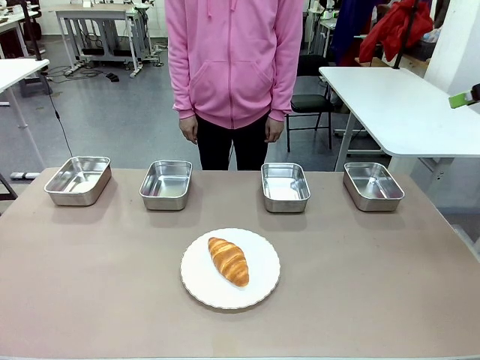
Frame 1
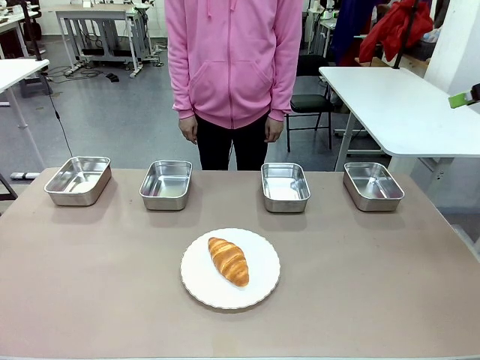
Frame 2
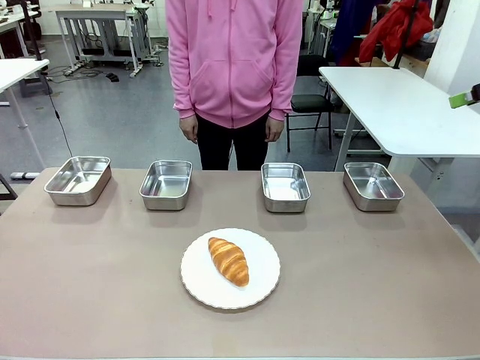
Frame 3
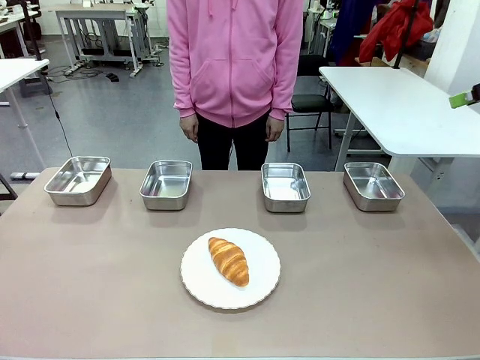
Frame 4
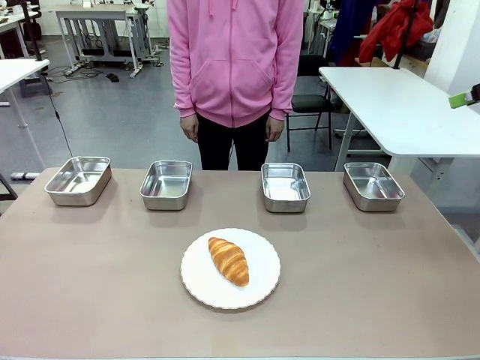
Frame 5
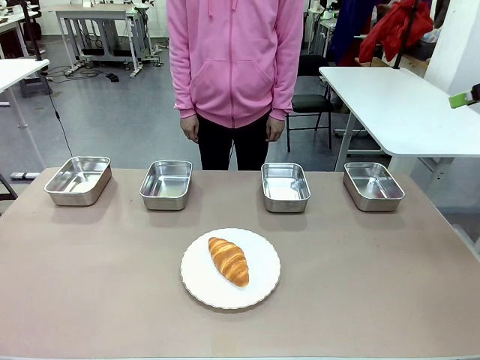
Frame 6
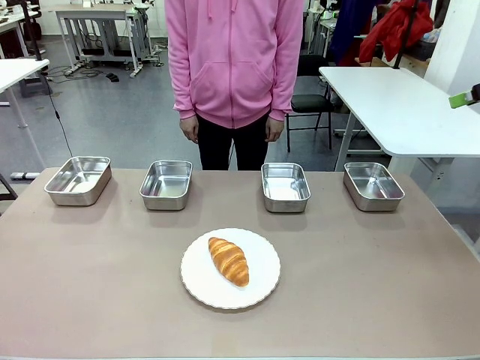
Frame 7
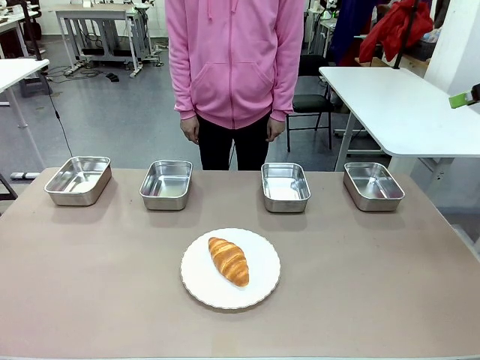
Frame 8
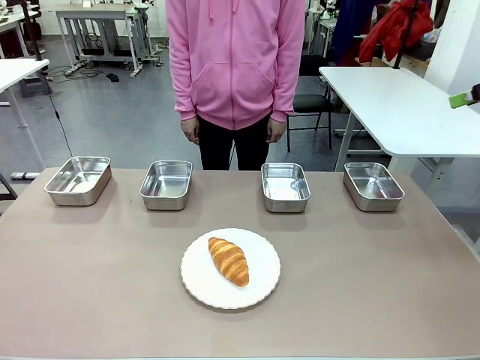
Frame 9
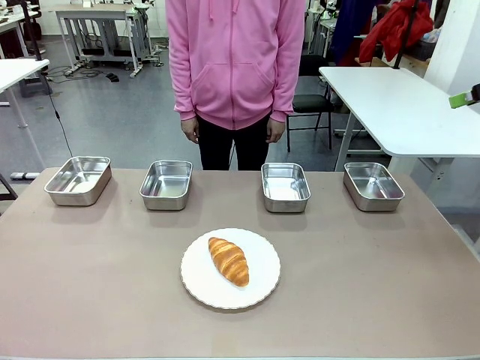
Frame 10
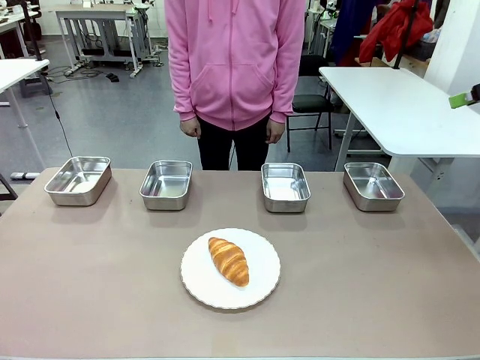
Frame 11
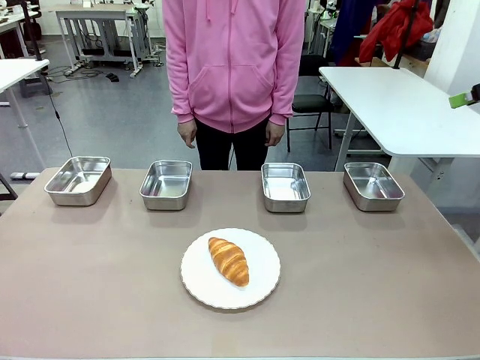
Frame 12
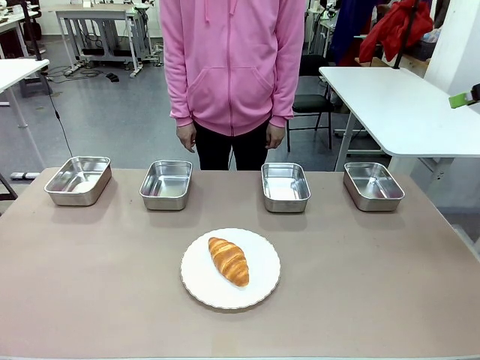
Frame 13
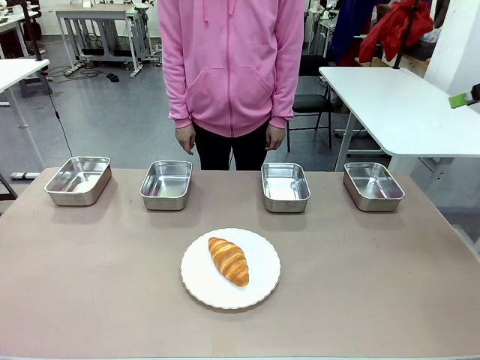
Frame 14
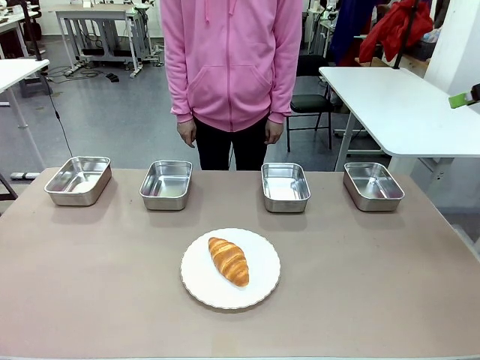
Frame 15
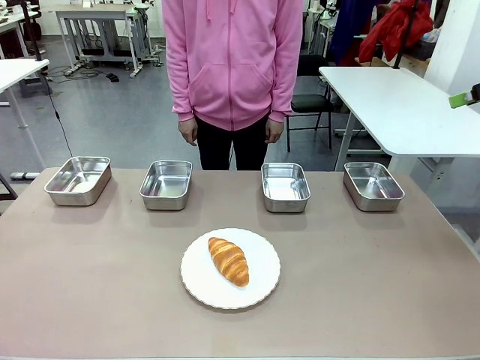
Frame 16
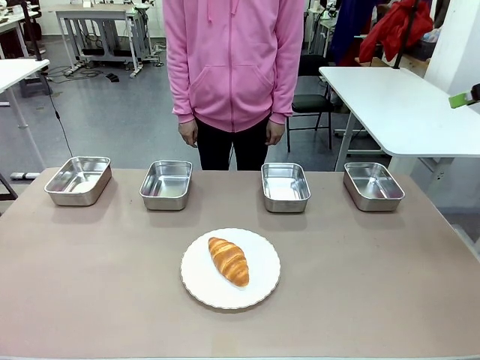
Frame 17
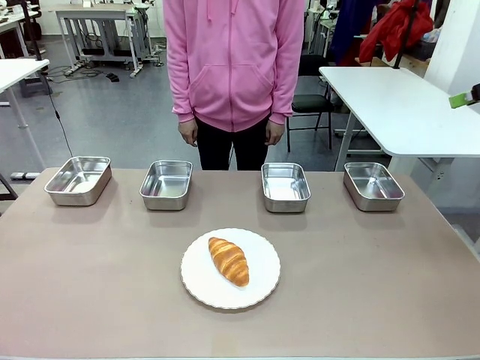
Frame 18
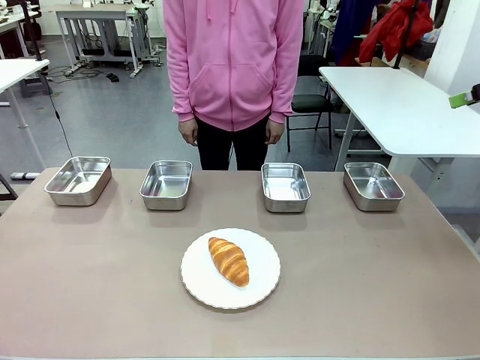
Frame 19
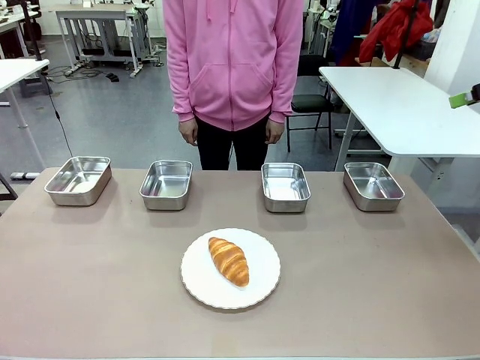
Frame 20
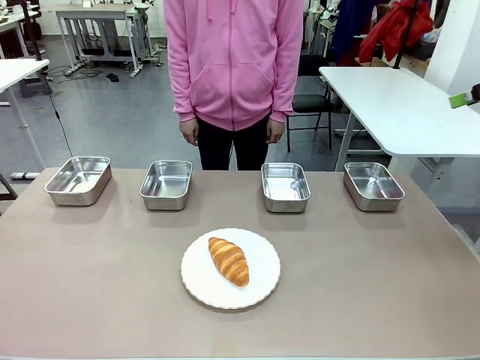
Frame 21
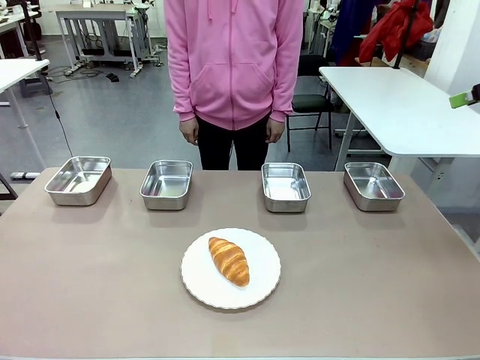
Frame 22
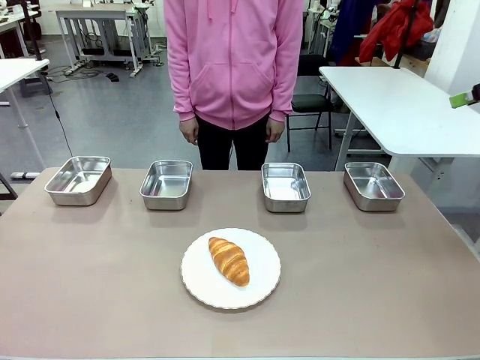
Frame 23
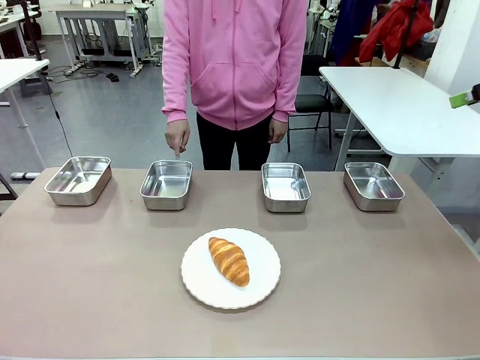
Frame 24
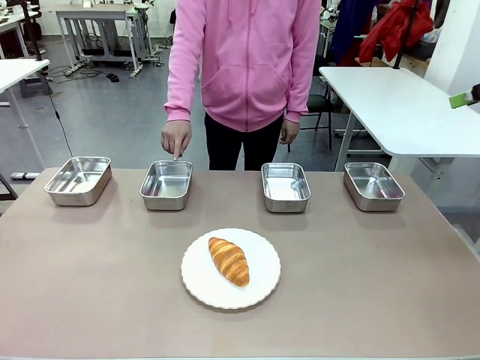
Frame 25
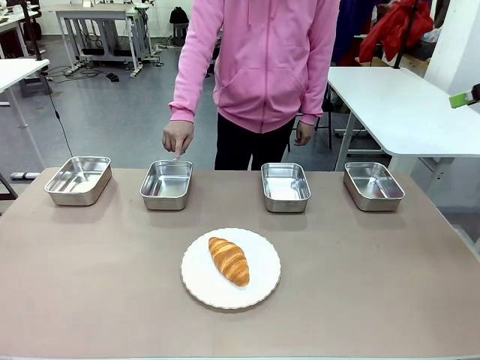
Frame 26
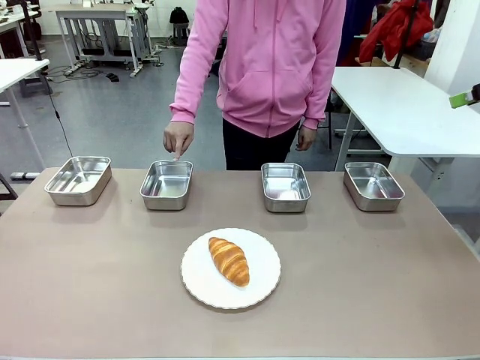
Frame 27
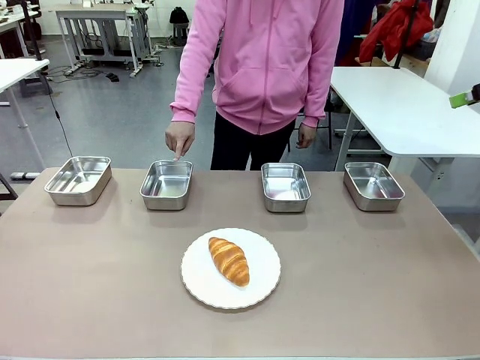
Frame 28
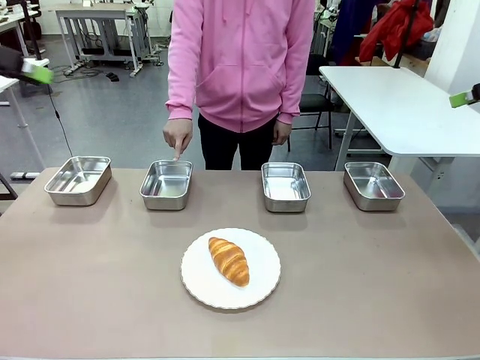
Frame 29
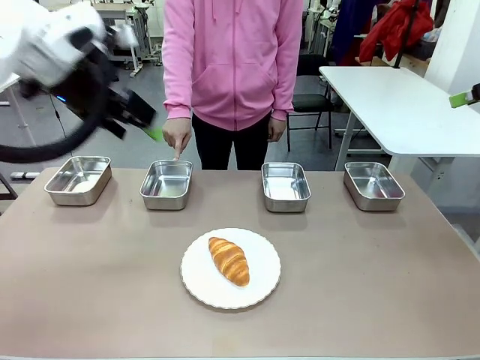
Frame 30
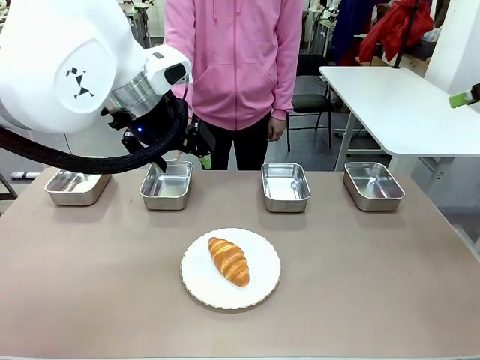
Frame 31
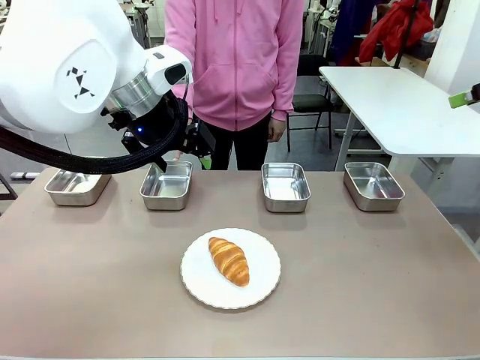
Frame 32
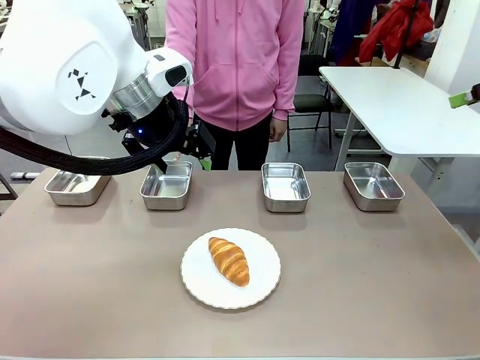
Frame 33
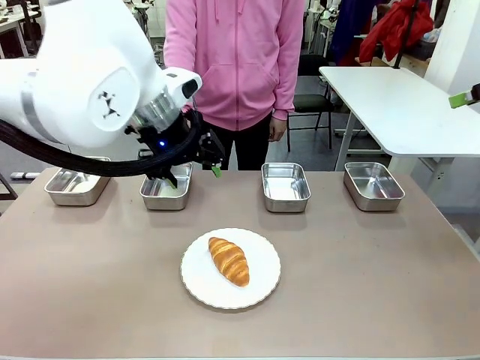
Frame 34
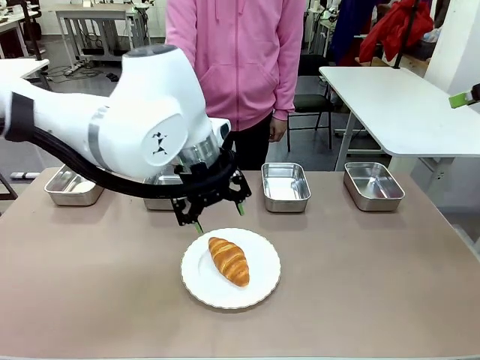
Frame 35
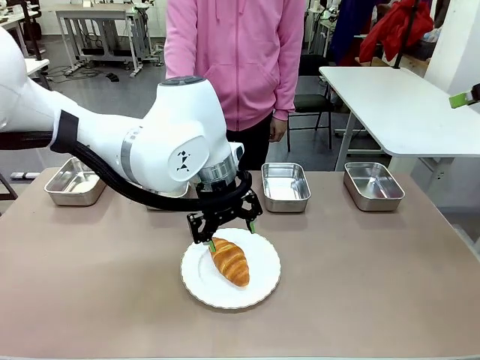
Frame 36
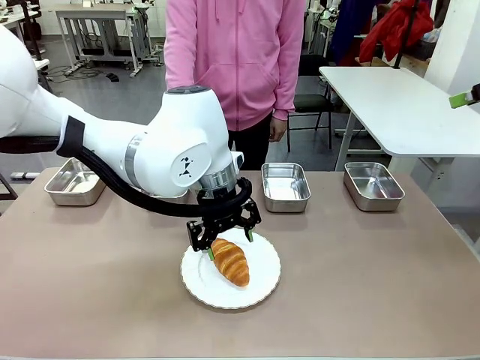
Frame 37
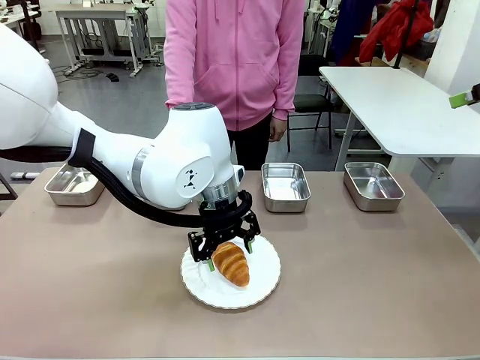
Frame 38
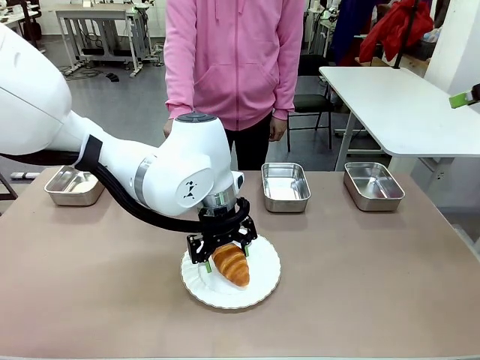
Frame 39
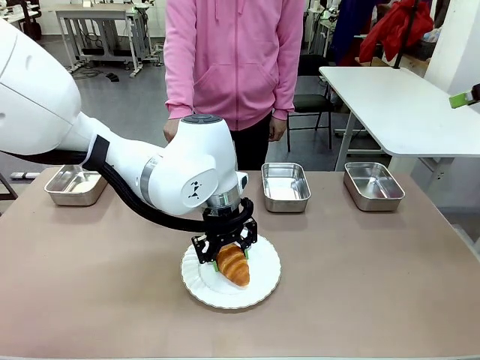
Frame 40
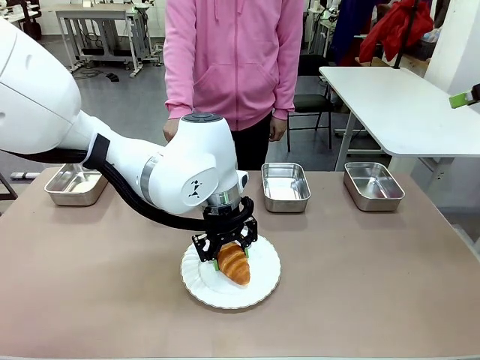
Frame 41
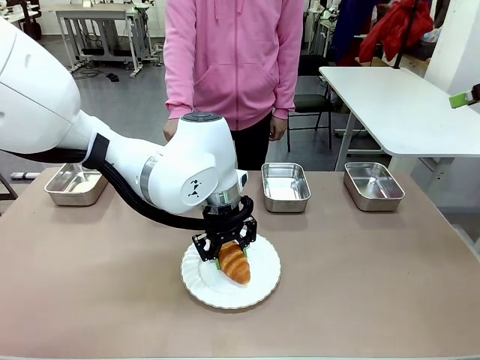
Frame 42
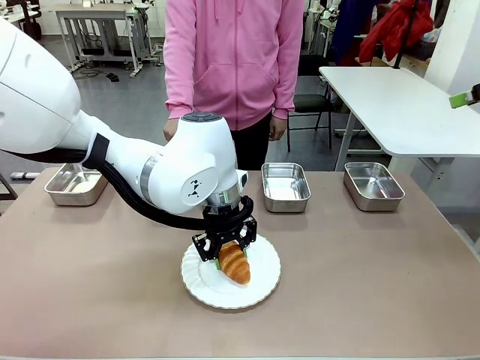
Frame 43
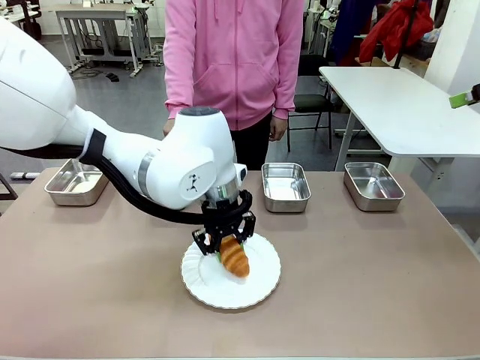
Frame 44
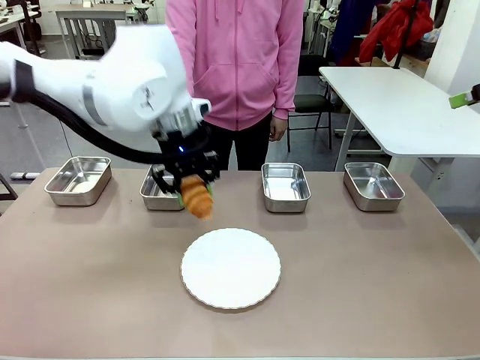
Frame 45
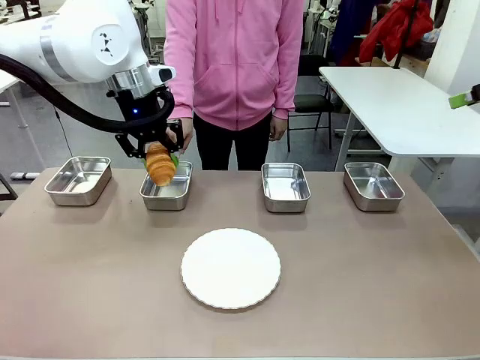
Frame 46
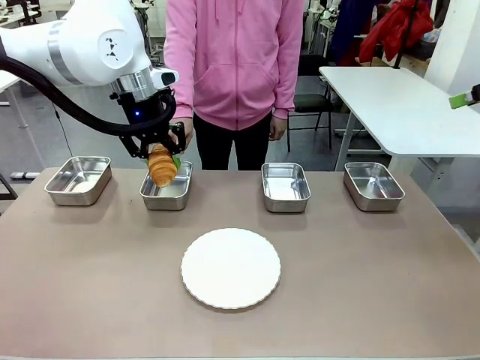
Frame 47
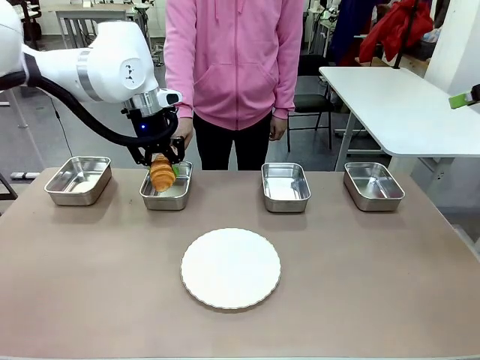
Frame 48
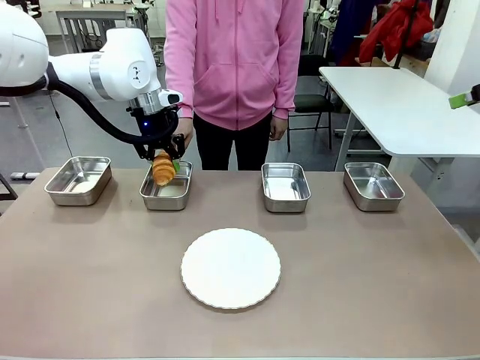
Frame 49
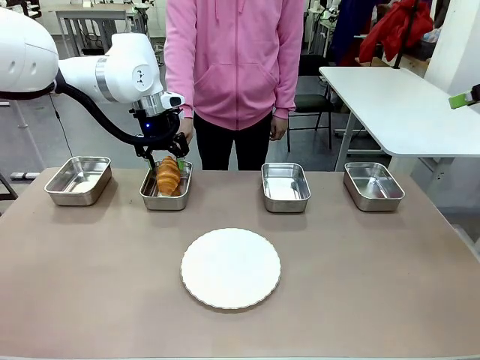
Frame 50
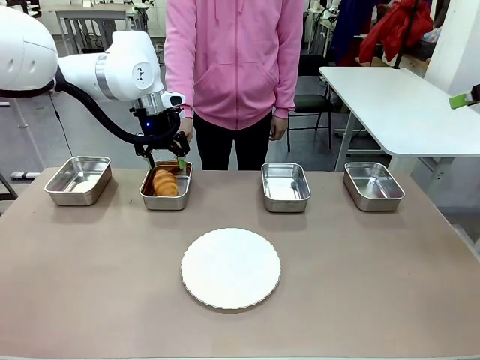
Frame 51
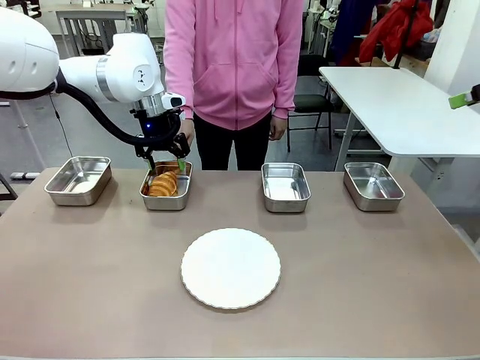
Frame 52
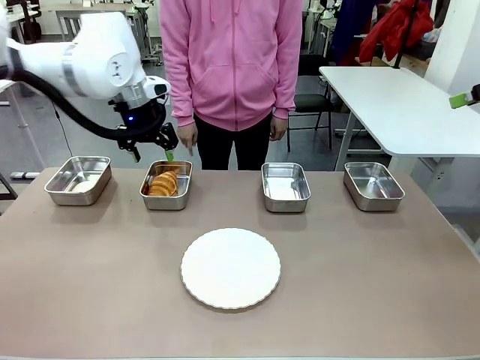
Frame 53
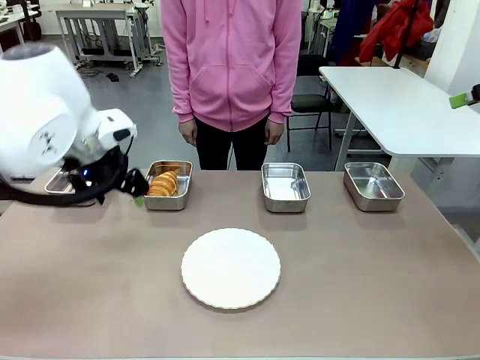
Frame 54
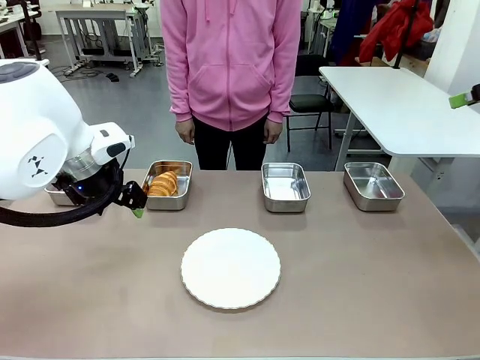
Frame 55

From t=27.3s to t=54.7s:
Task: Place the bread in the container.
Robot: Place the Butter Roll into the Airtight Container indicated by the human.
Person: A person randomly selects and points to an Airtight Container.
